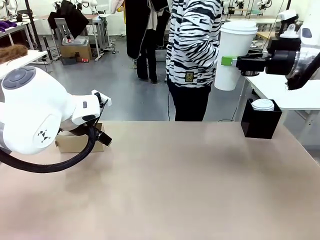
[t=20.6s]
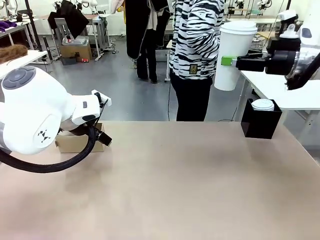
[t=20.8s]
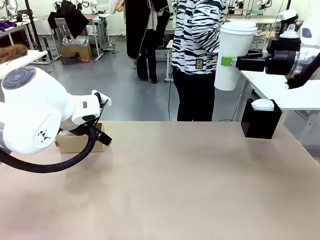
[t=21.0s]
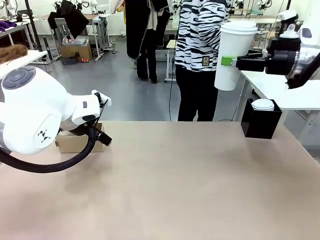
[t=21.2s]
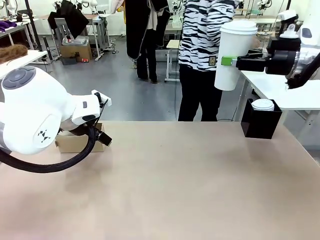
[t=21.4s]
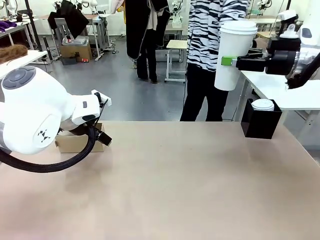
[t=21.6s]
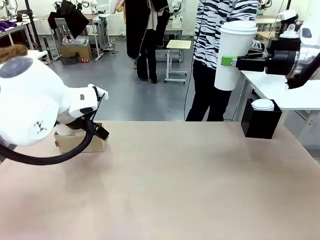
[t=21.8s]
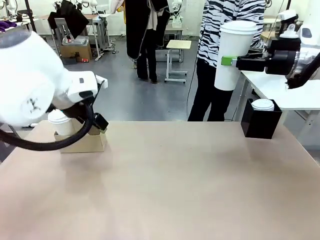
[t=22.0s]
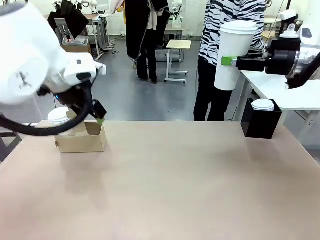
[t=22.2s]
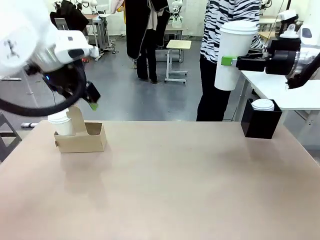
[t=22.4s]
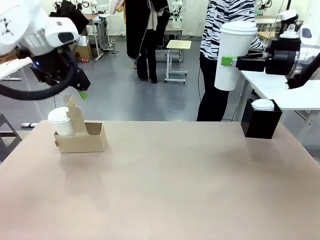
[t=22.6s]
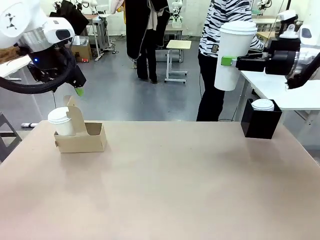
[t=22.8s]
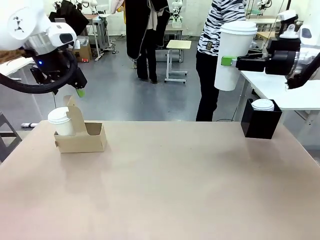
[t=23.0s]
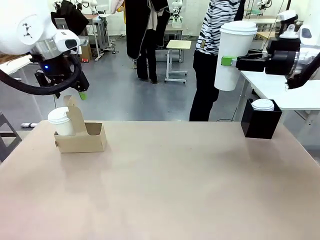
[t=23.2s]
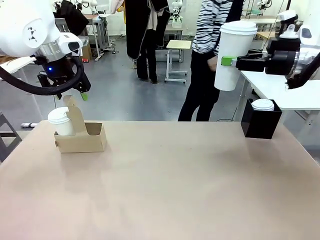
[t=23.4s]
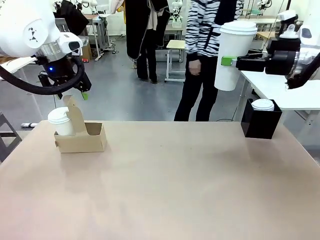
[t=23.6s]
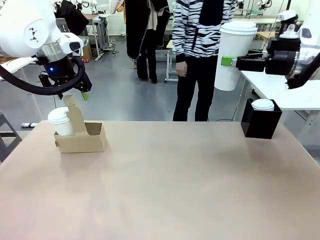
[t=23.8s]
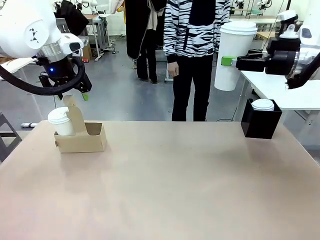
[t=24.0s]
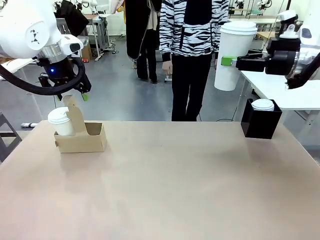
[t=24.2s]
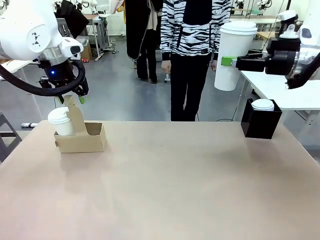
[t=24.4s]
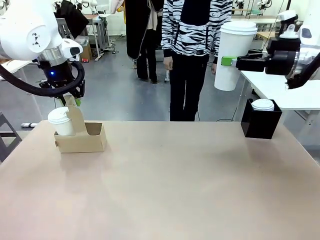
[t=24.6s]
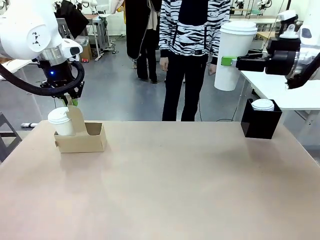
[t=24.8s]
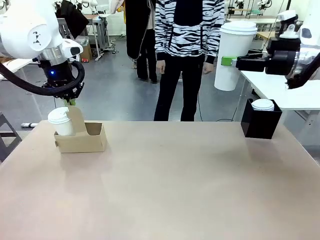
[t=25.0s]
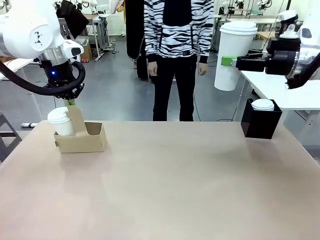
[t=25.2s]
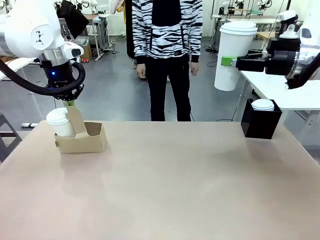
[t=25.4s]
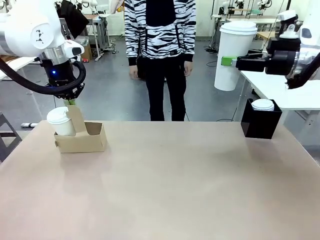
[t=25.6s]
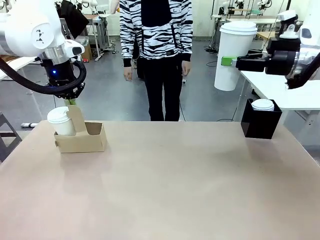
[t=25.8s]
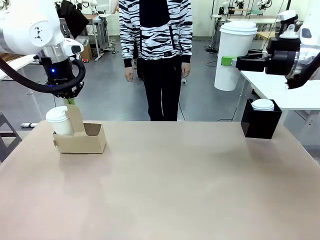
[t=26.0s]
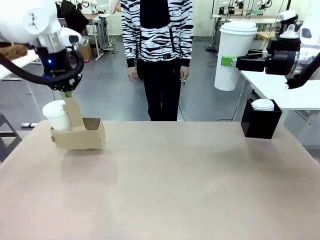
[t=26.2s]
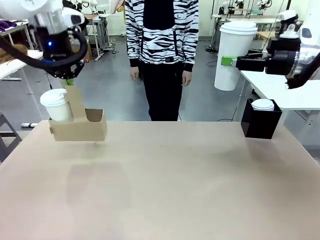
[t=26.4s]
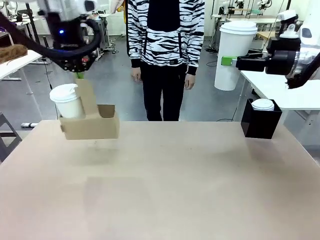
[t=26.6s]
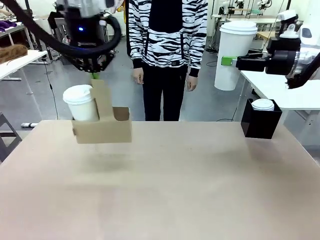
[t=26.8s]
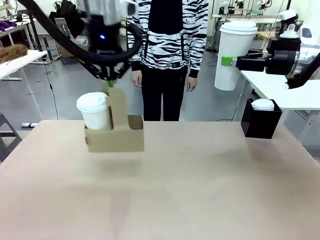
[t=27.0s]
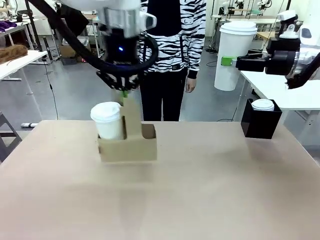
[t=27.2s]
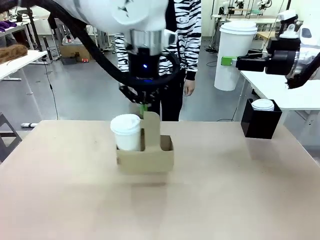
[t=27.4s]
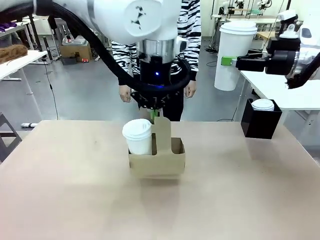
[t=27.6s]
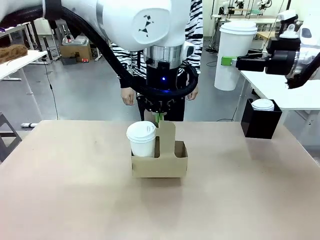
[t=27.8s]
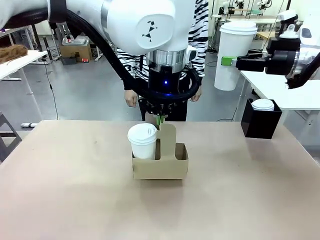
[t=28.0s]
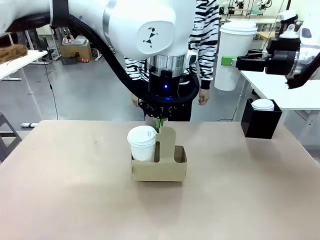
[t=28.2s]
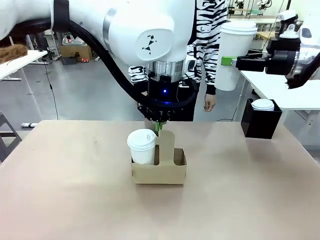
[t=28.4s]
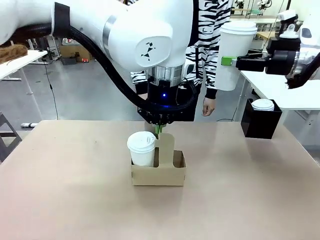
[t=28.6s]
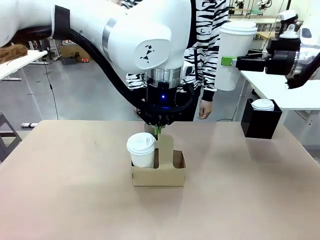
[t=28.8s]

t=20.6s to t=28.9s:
Task: Pour a drink into a cup and package it in a carrier.
Robot: Position the Cup Carrier in the center of the table.
Person: Pick up the Filter Brewing and place on the middle of Human table, and return to the Robot table.

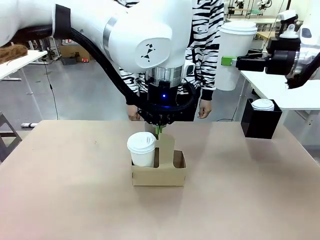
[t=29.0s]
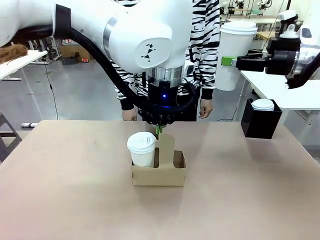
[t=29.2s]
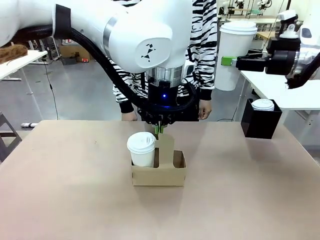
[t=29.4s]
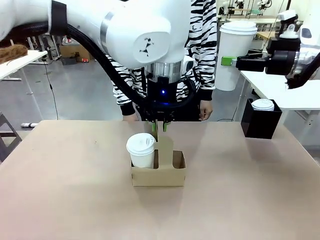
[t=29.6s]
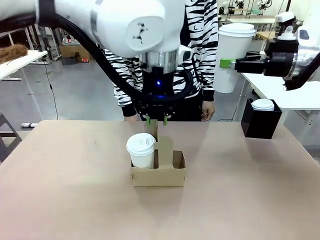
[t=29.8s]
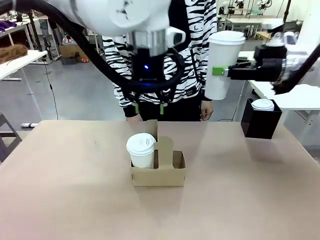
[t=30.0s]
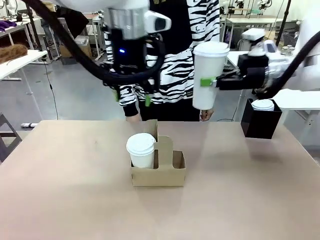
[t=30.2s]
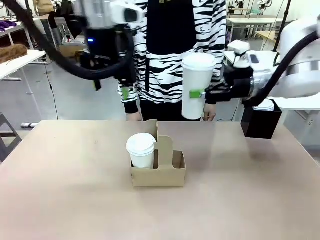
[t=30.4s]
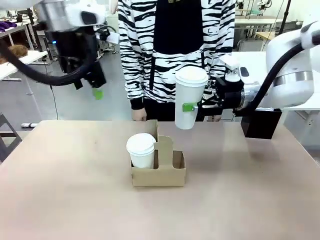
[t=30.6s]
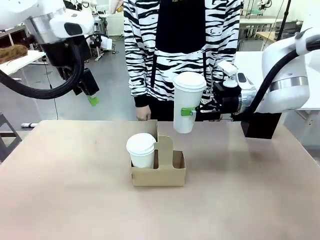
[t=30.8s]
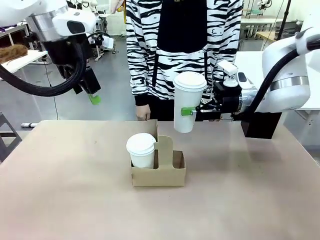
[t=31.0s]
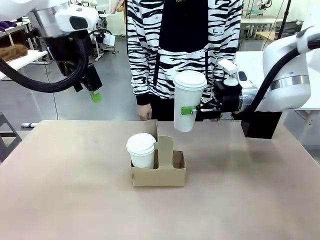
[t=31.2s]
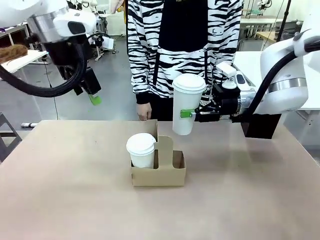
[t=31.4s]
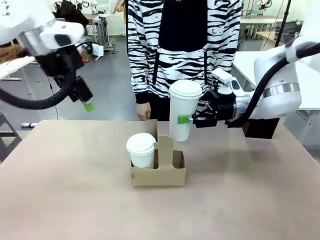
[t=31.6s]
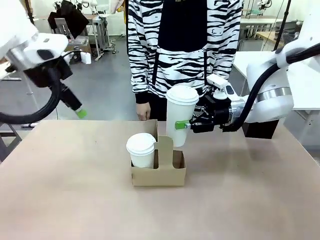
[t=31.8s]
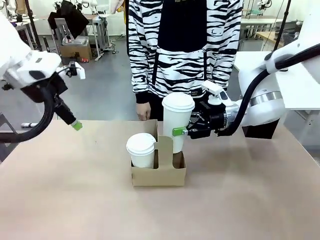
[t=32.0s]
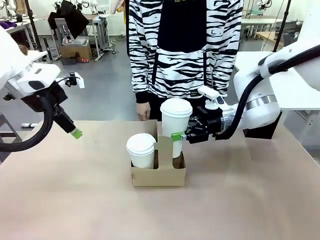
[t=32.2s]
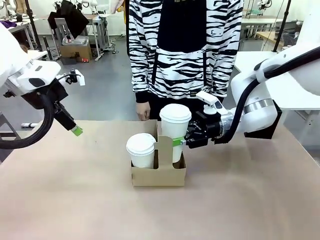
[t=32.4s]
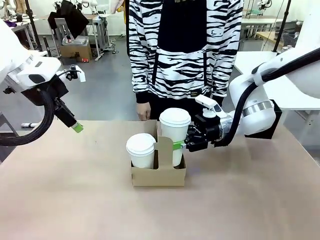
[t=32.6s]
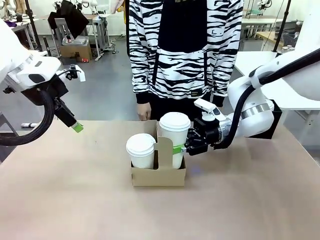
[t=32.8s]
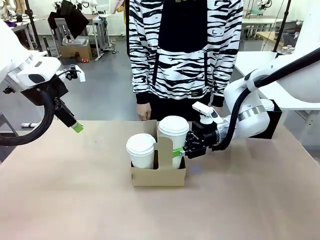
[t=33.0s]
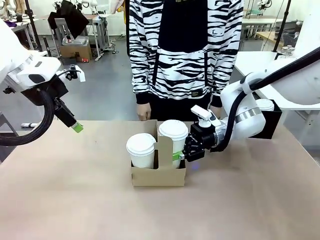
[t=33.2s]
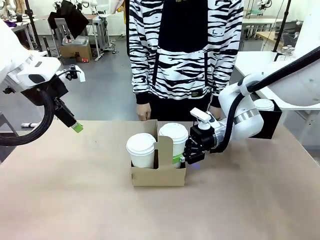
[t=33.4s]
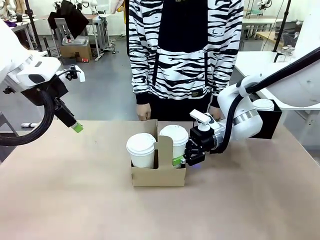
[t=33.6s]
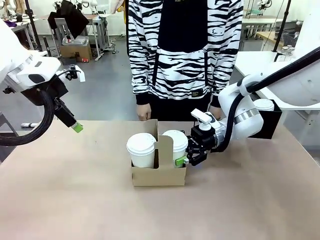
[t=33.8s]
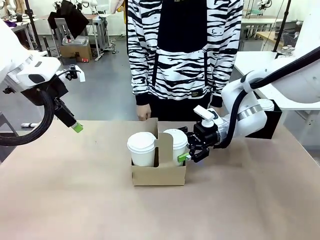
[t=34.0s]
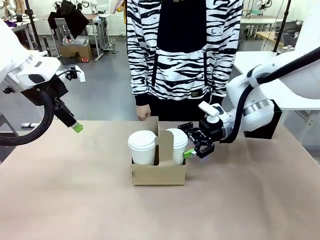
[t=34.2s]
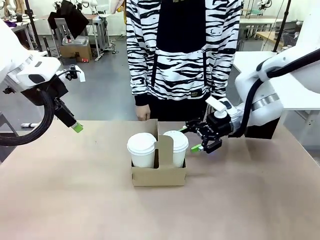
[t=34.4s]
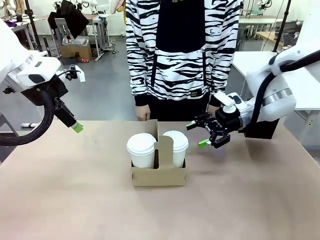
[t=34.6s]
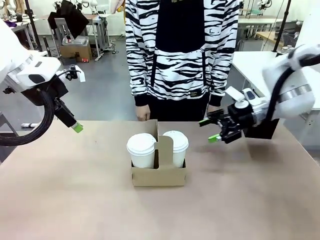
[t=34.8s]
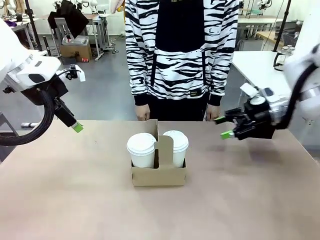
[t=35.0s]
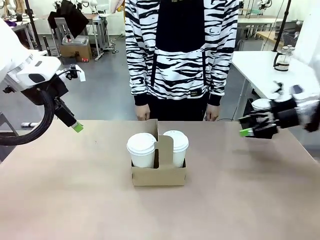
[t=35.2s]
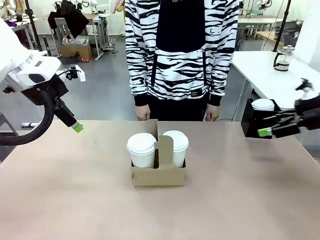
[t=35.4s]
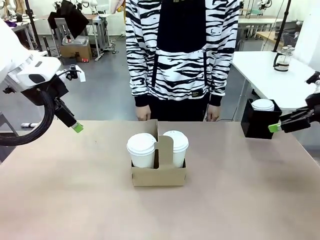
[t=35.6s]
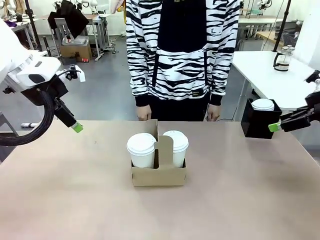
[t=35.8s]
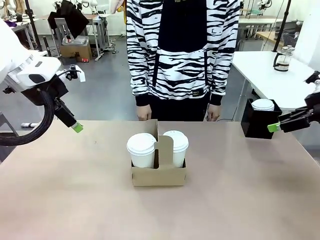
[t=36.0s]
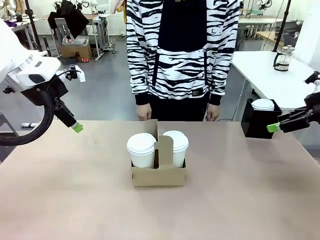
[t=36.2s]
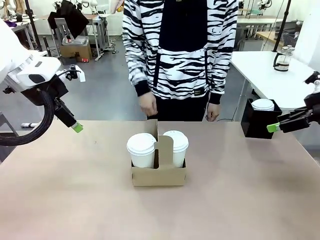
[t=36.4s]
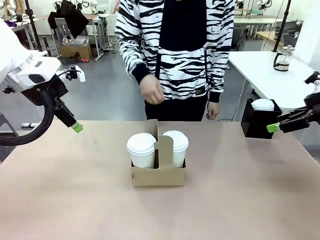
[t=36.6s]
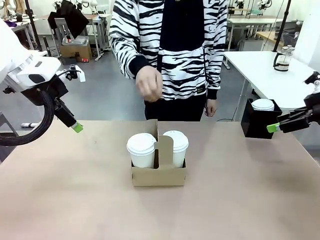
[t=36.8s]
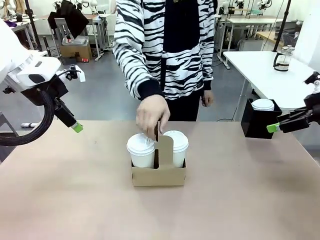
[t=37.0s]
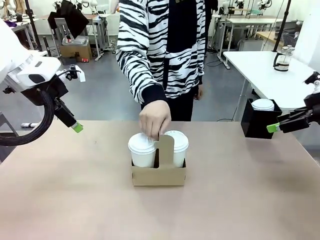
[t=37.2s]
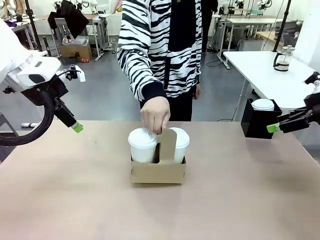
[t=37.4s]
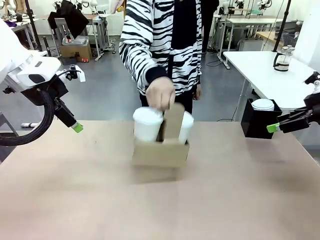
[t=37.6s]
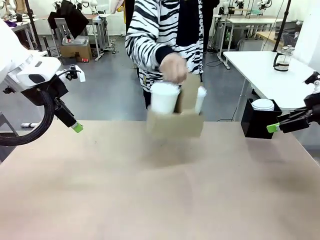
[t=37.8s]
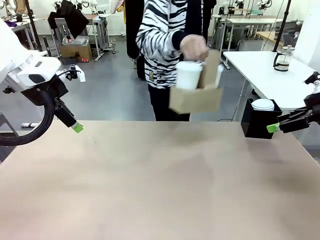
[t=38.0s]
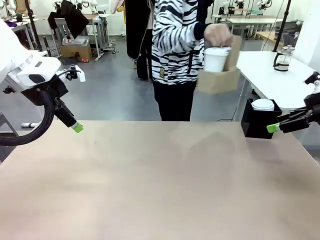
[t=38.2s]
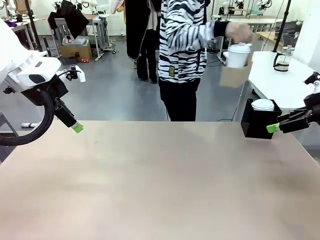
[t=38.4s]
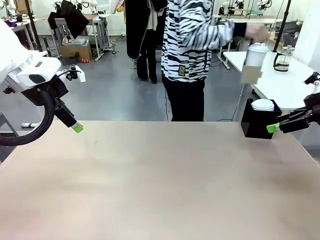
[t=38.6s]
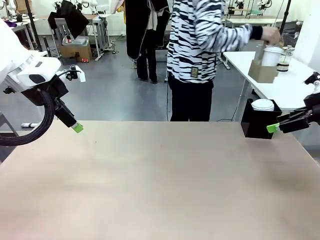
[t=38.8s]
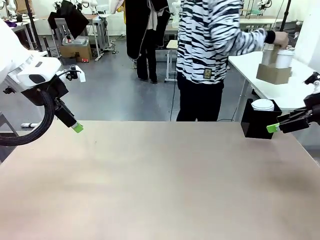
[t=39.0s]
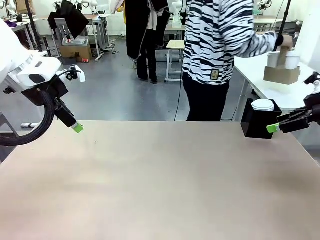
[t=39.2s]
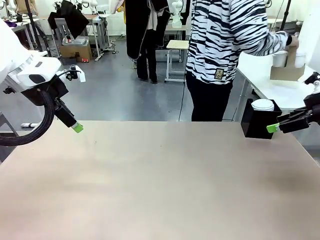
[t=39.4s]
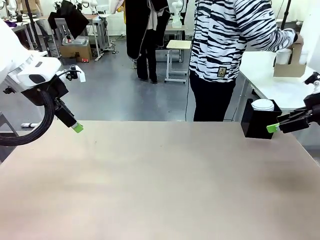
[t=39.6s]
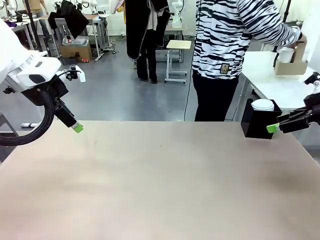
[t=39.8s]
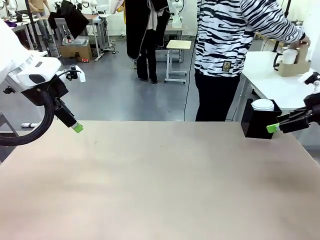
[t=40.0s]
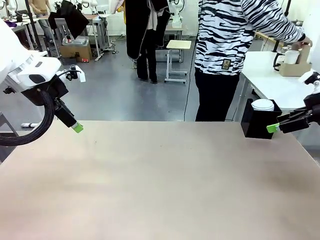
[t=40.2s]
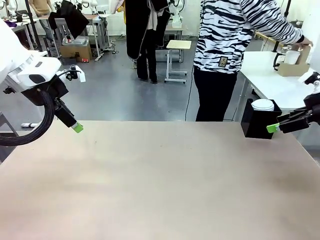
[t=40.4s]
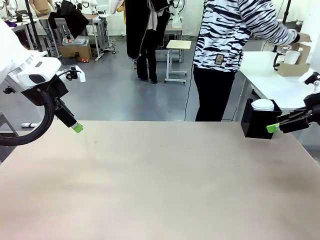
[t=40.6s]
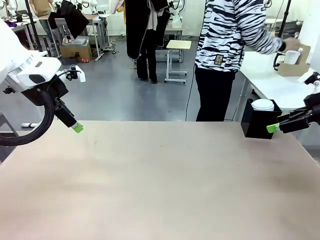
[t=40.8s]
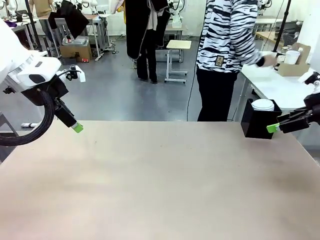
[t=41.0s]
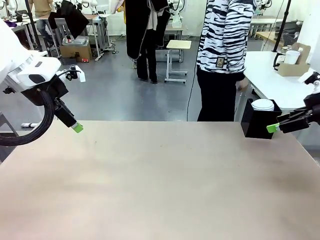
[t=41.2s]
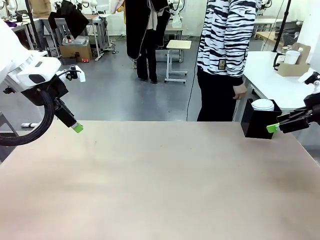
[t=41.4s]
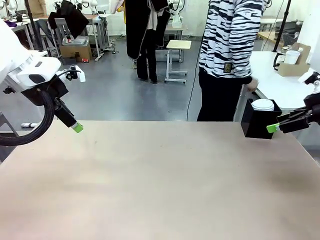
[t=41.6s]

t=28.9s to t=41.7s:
Robot: Insert the held 600 ml Paper Cup into the Cup Carrier.
Person: Place the Cup Carrier to the middle of Human table.
